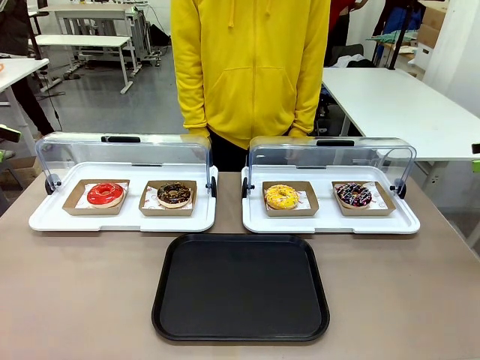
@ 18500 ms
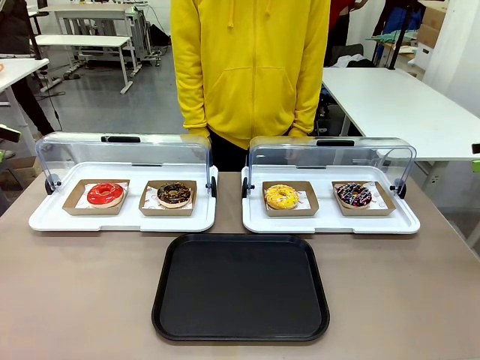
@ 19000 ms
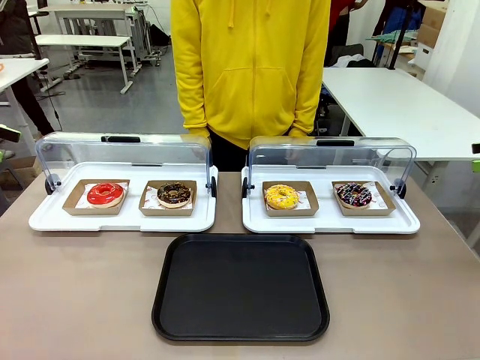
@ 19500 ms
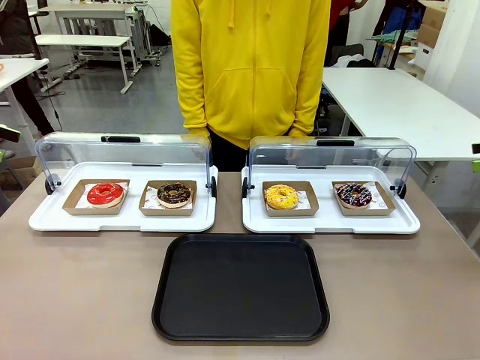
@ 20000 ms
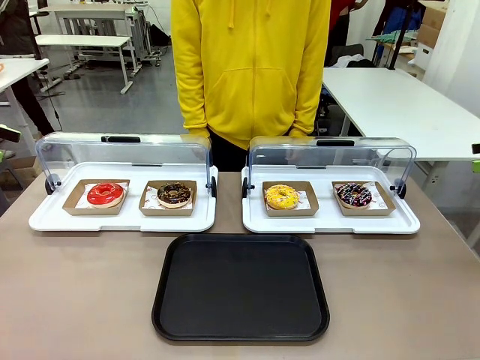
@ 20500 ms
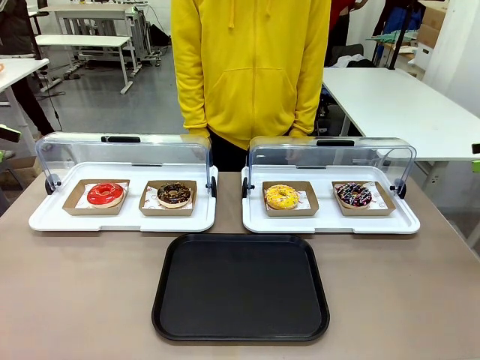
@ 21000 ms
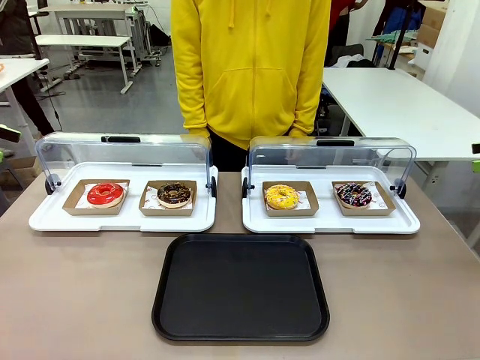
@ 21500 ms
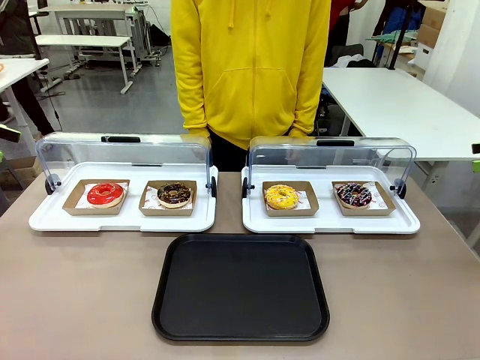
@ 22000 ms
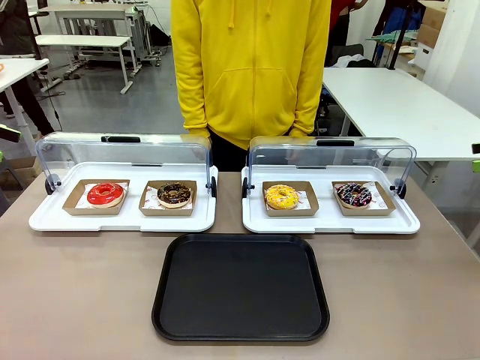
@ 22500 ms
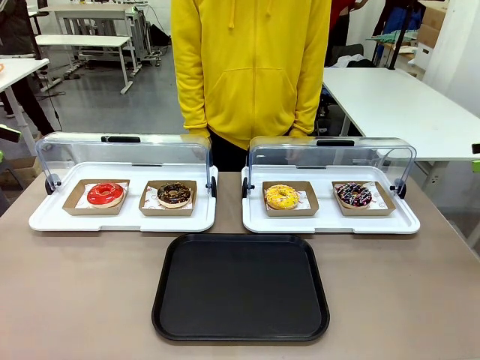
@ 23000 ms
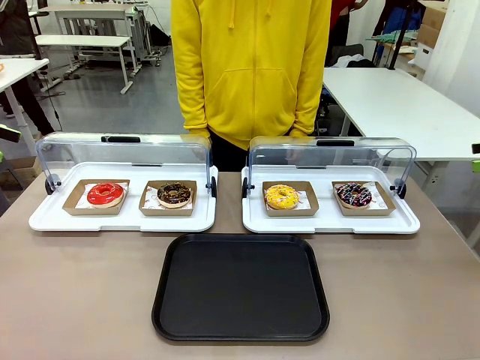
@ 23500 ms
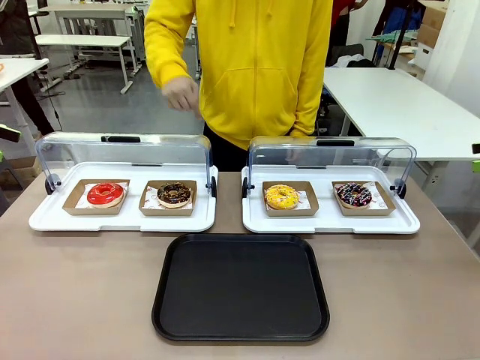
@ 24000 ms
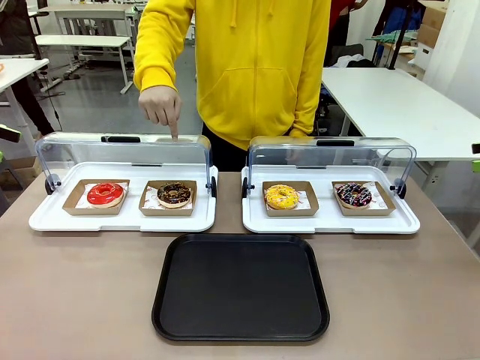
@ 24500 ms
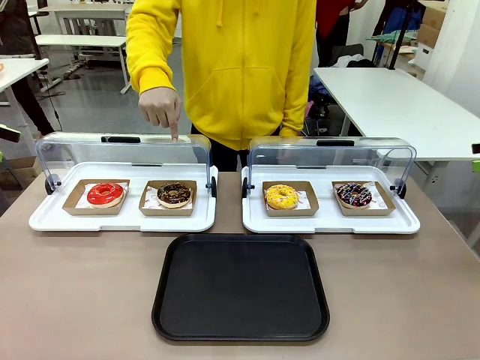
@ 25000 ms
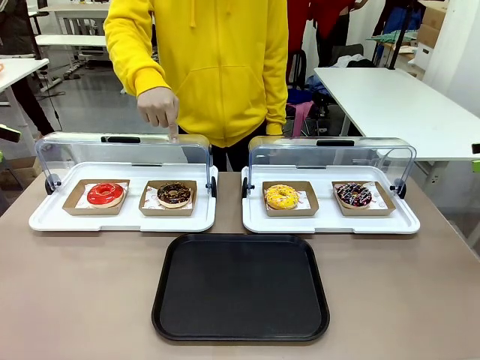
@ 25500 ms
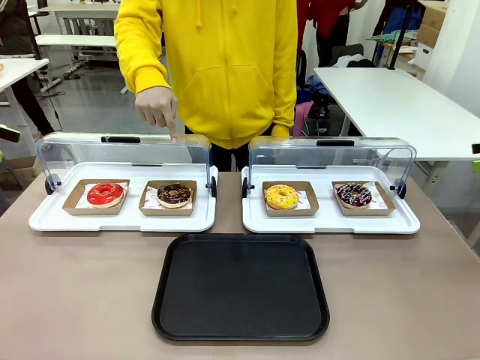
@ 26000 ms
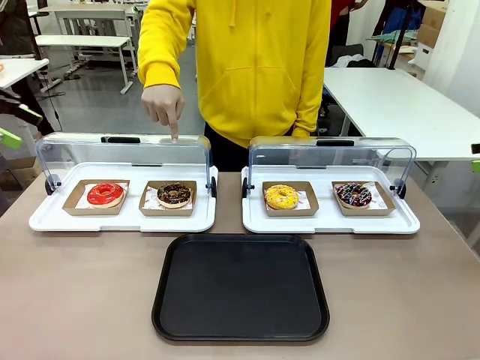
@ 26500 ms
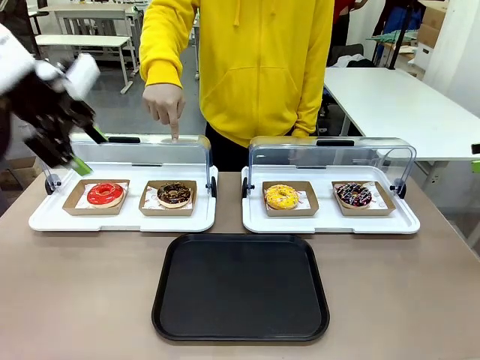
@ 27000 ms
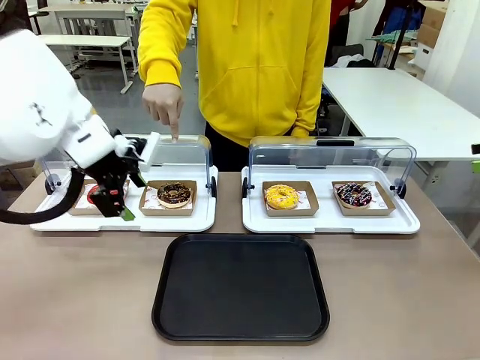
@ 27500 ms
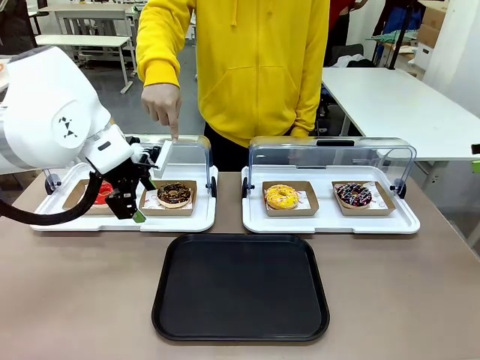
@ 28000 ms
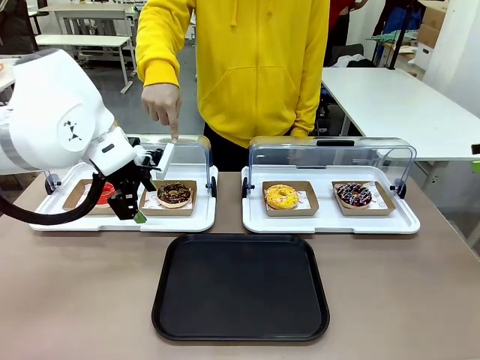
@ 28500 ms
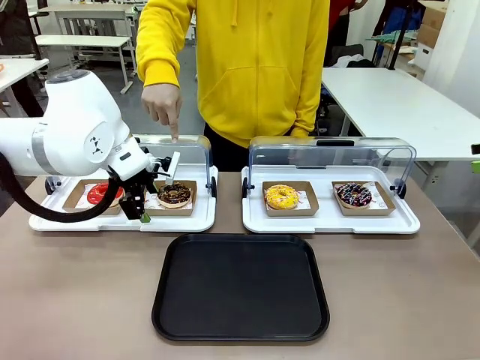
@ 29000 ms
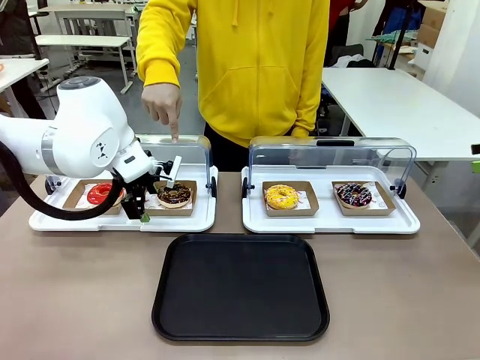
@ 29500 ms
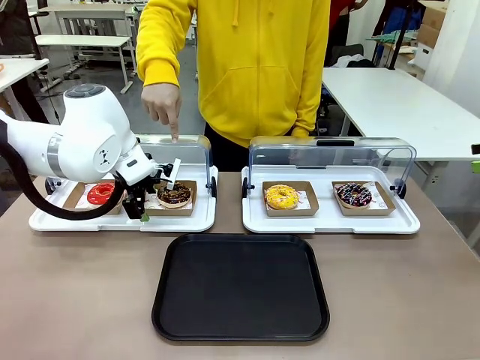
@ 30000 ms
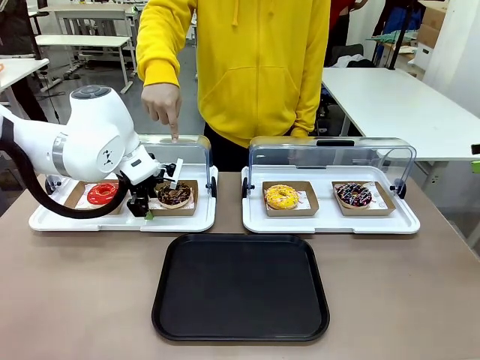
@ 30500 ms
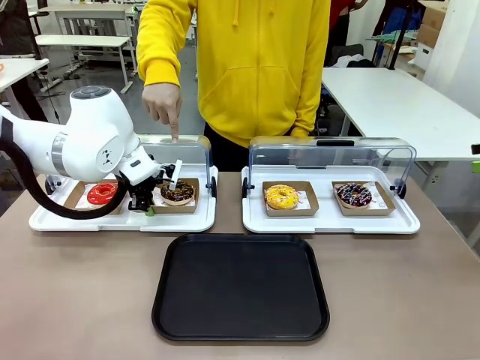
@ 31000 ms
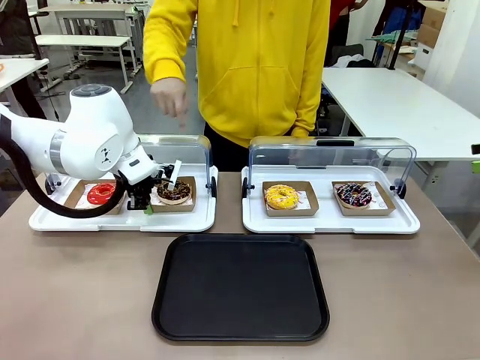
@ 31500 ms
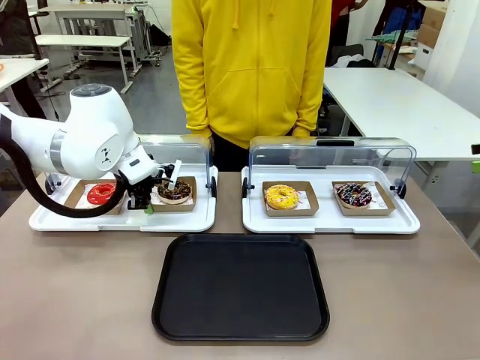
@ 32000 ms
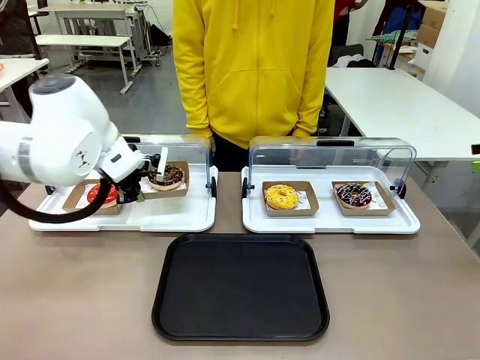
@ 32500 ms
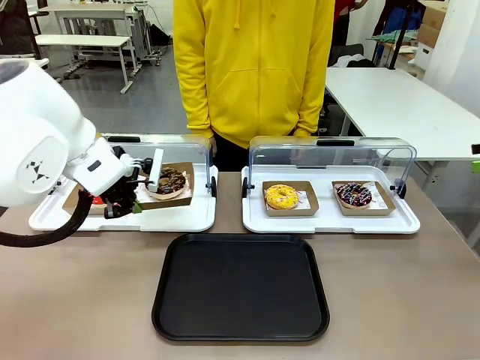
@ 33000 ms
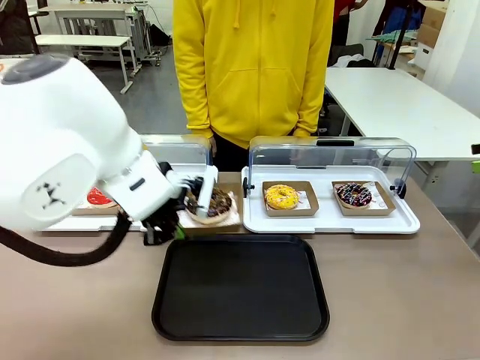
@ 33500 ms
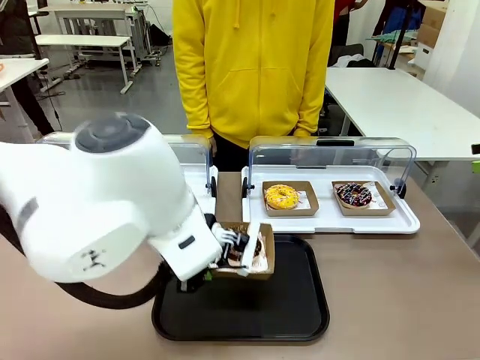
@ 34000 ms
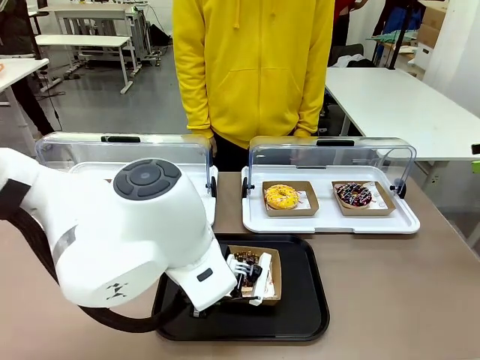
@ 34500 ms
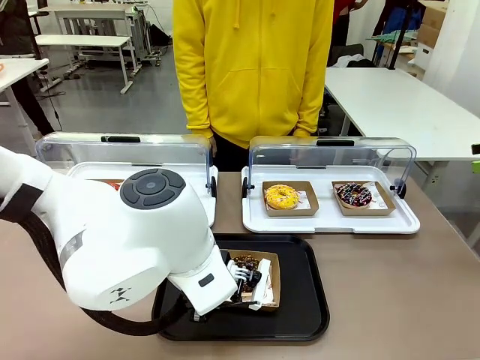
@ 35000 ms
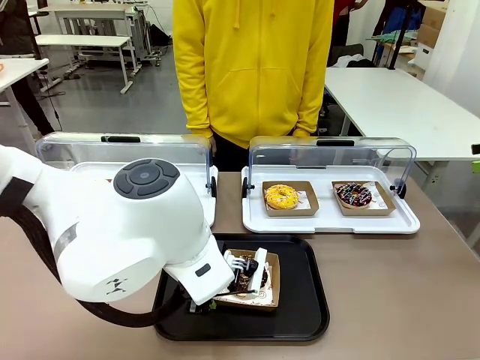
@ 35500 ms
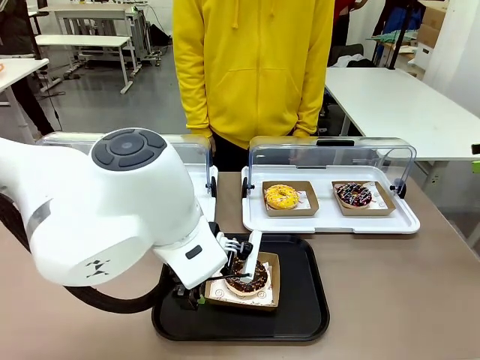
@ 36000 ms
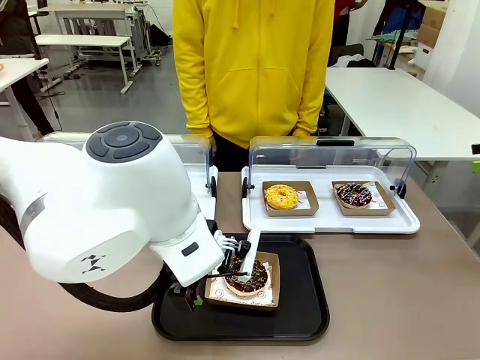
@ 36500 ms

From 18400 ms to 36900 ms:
Task: Move the second donut from the left to the tray.
Robot: Pick up the Paper togo box containing the Donut indicated by the person and place it on the Handle tray.
Person: Points to the second donut from the left from the robot’s perspective.
